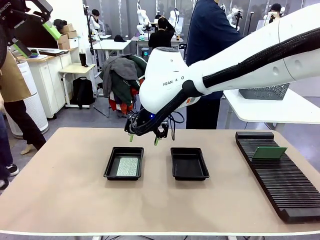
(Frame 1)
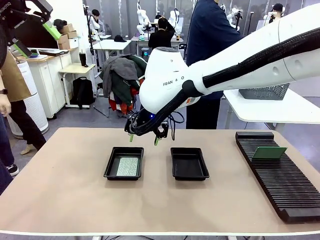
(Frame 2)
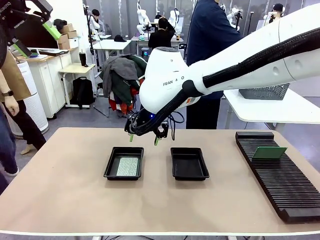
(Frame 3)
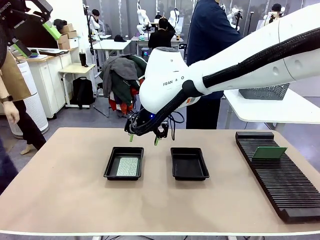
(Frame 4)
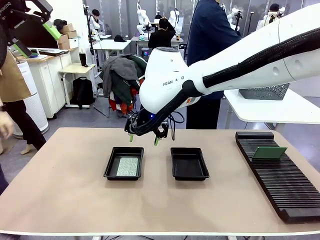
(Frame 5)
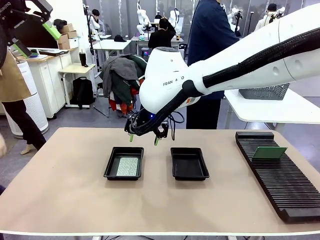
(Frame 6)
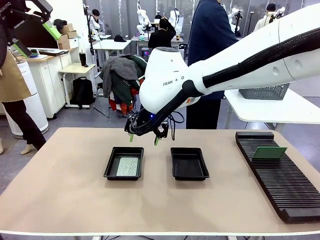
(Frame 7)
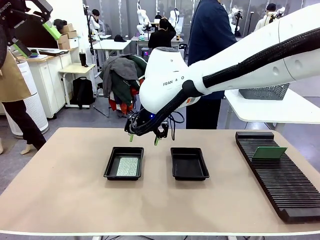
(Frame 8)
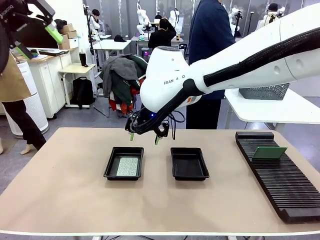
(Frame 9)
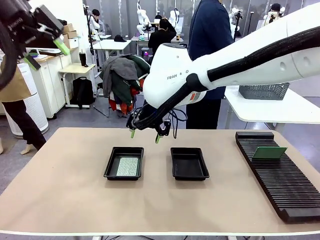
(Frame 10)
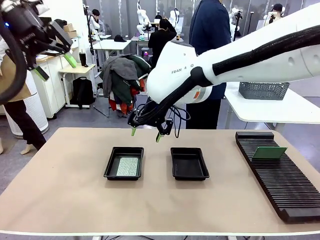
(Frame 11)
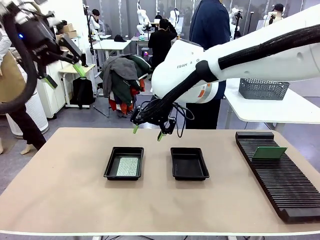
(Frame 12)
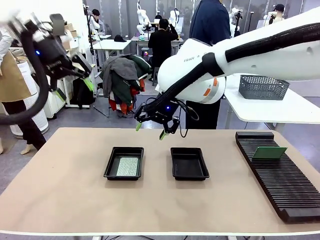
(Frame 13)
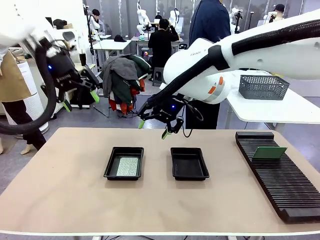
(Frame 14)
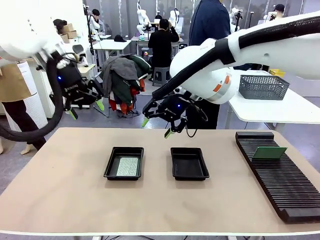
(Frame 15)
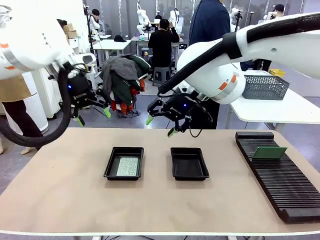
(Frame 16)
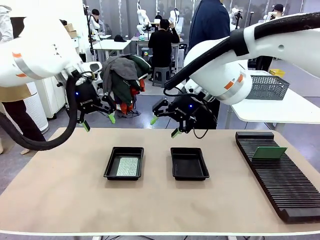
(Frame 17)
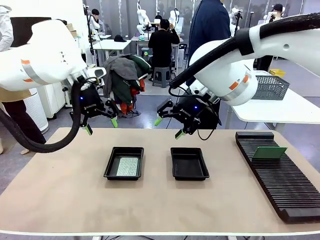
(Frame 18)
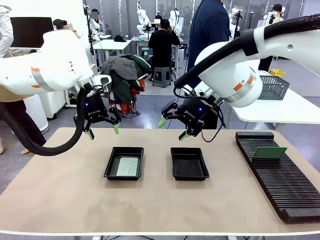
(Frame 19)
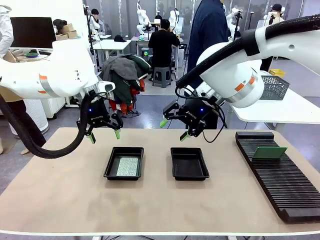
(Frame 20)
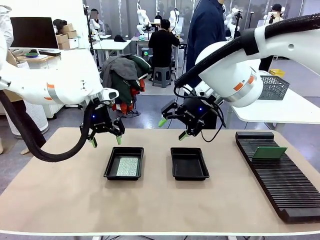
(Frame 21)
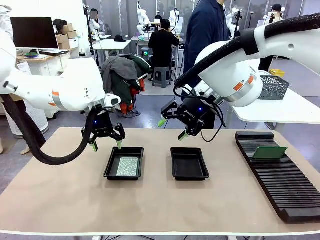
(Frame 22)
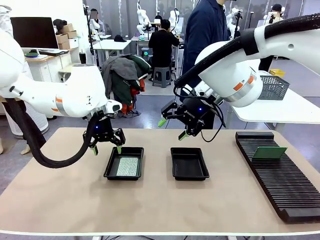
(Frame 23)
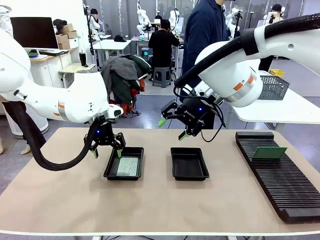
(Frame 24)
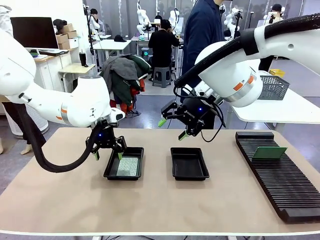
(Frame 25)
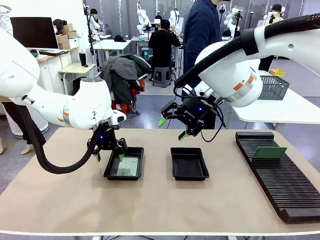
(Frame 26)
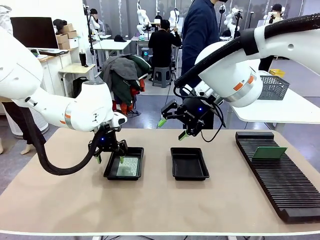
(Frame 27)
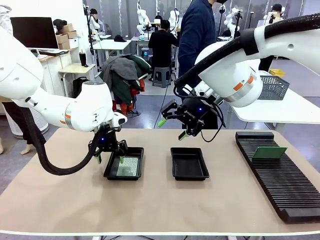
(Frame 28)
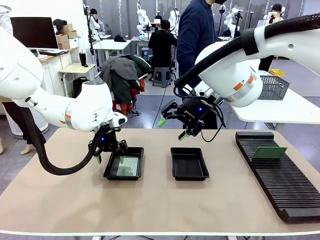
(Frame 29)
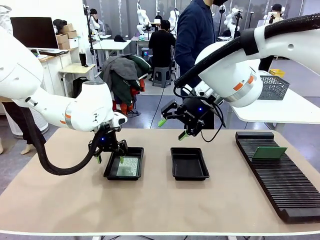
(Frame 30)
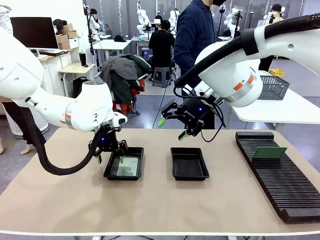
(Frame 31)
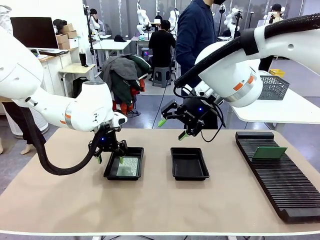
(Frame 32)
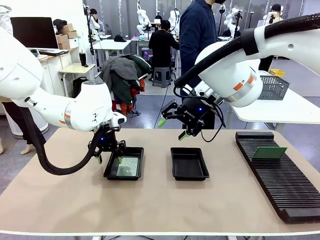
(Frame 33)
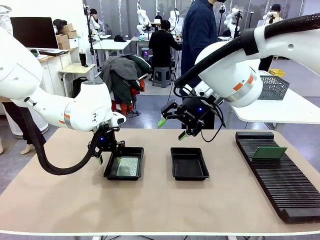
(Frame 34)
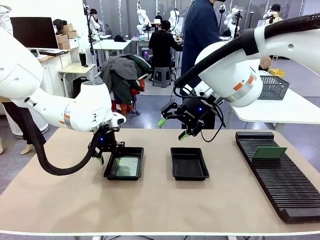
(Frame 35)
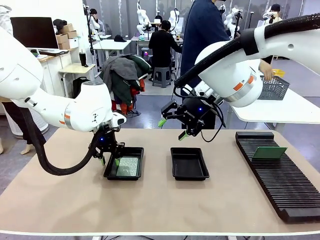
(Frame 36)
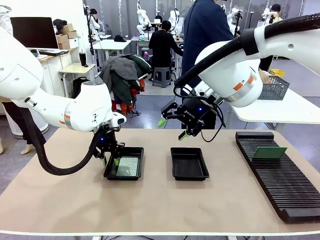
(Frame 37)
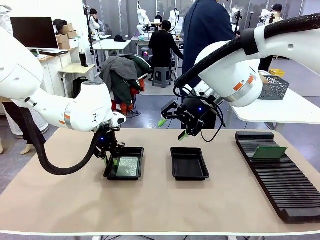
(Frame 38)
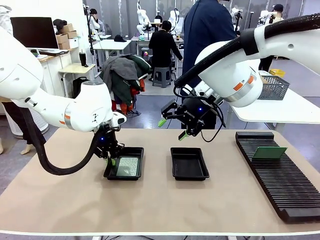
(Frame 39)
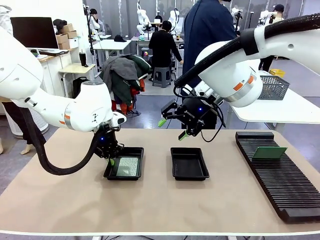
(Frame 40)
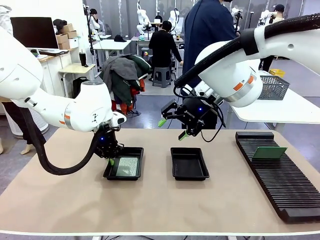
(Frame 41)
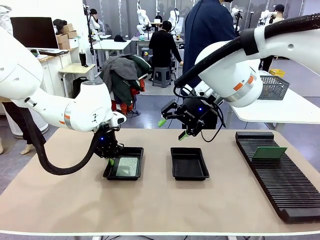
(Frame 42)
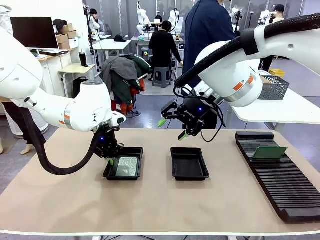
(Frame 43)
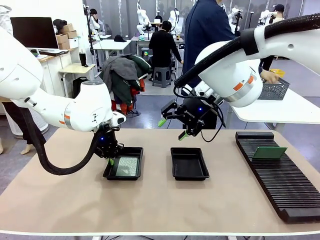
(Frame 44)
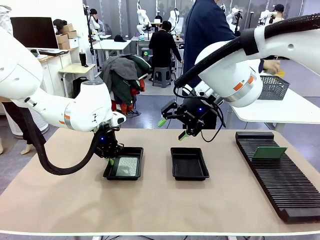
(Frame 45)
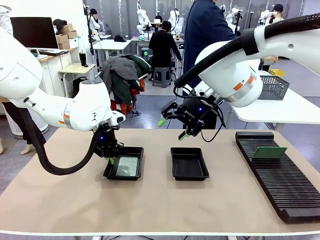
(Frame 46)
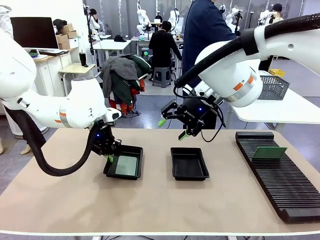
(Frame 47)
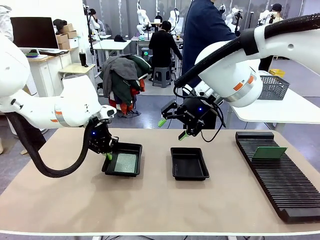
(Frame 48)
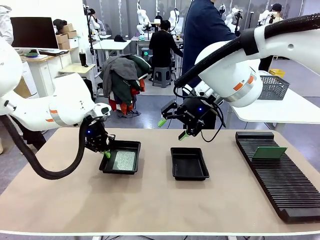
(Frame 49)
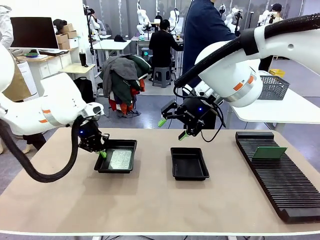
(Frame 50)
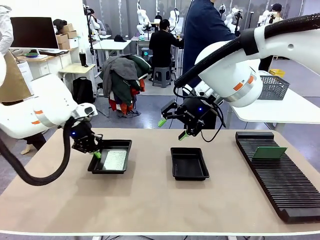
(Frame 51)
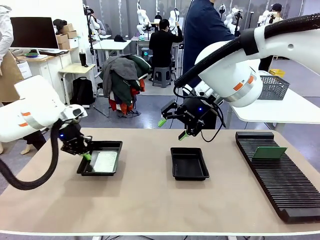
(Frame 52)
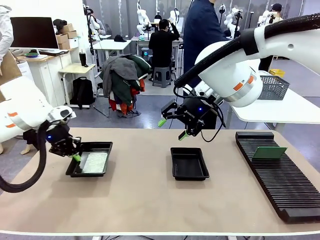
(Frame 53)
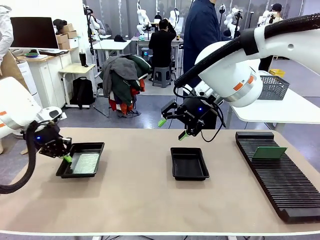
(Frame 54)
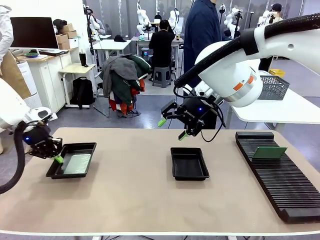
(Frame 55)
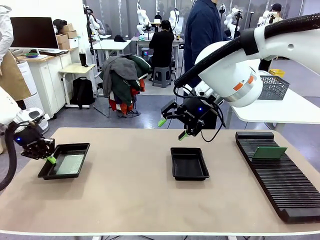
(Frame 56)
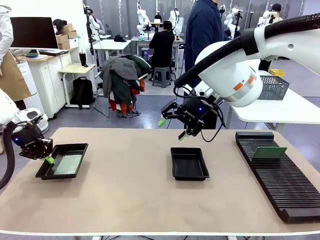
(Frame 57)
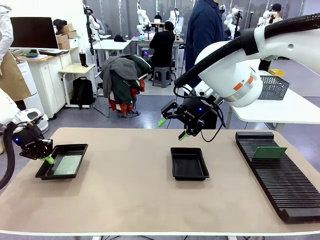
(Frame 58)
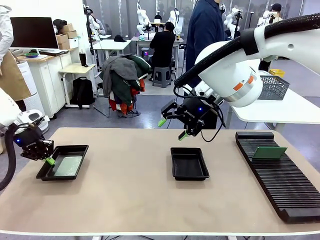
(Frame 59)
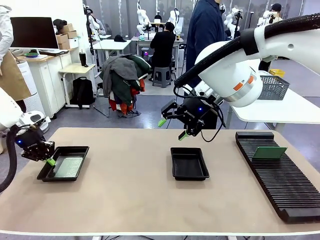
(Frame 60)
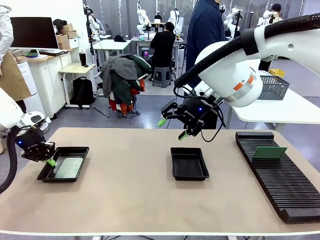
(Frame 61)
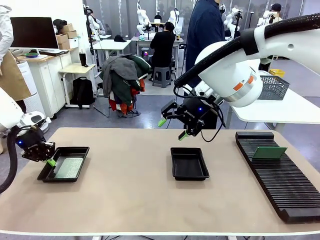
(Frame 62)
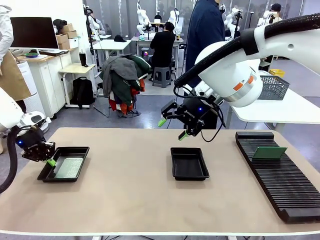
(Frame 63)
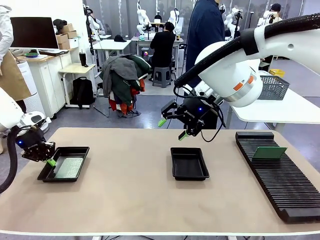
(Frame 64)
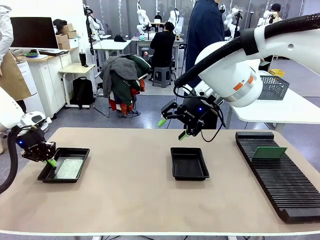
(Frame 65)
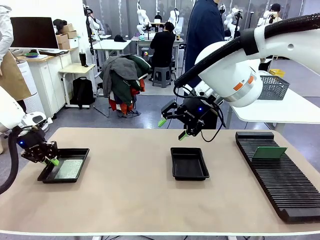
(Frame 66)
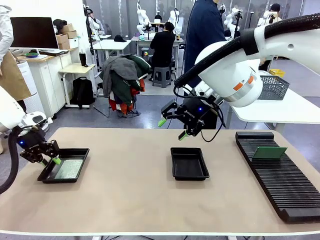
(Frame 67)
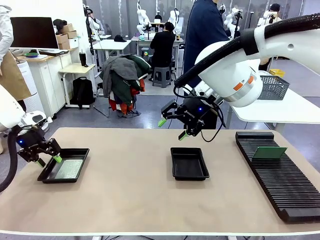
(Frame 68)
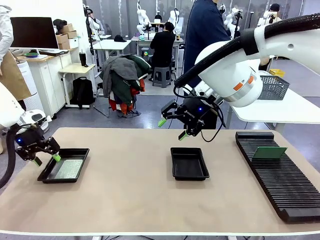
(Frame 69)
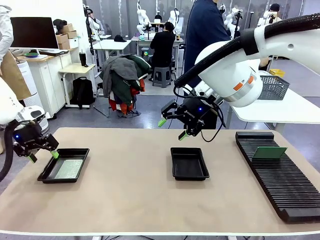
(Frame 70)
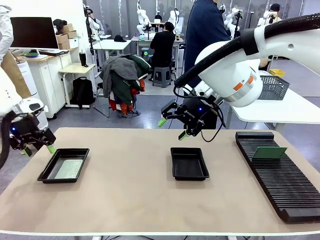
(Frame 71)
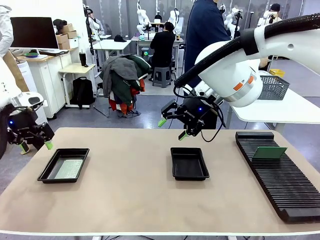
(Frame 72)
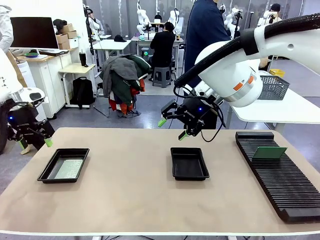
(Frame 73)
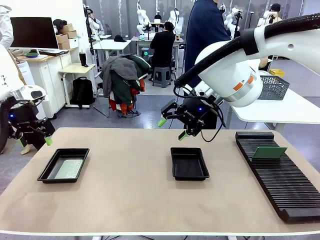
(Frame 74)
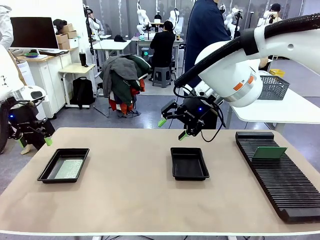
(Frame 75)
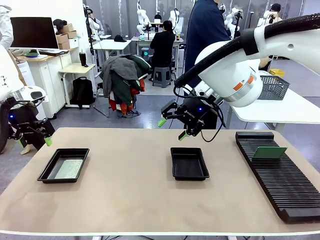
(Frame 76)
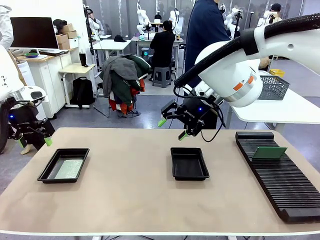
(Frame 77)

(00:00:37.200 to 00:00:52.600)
Task: Inspect and transfer BCBs to ESD trays.
Robot: Pick up the ESD tray and place it on the left side of the table.
